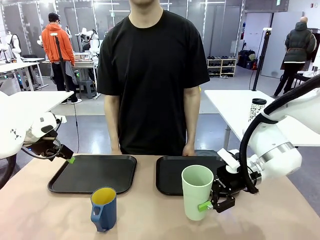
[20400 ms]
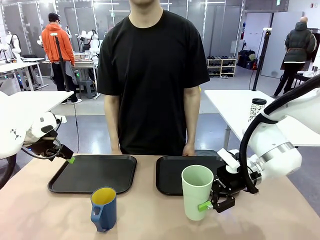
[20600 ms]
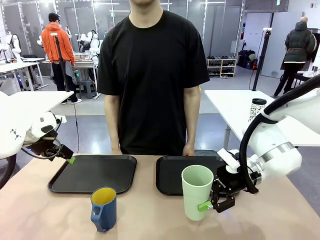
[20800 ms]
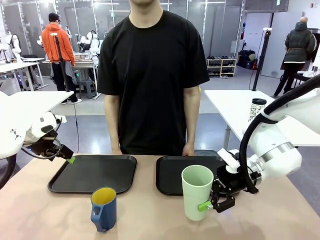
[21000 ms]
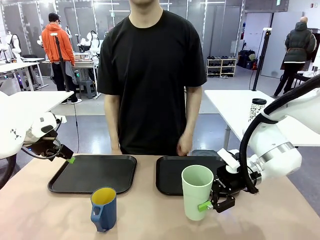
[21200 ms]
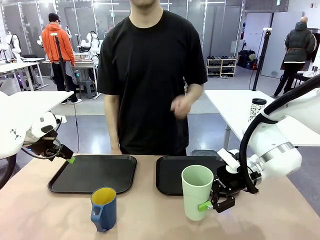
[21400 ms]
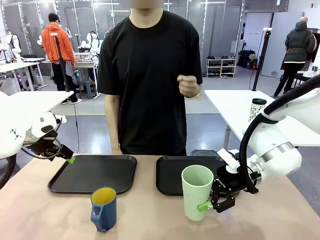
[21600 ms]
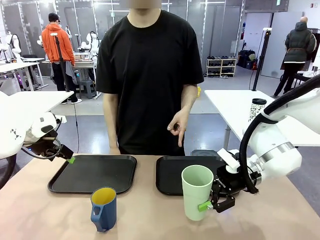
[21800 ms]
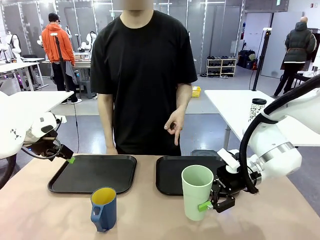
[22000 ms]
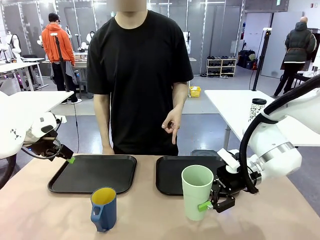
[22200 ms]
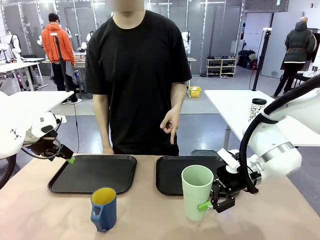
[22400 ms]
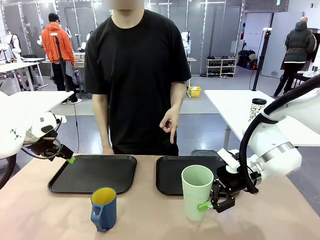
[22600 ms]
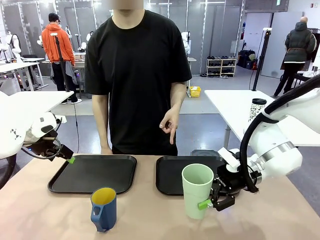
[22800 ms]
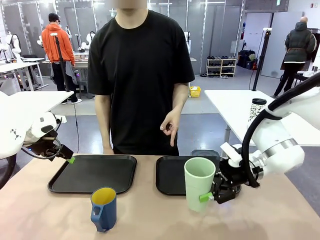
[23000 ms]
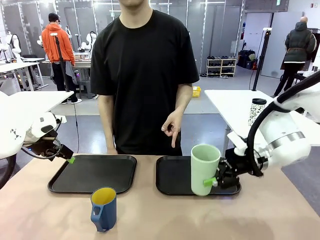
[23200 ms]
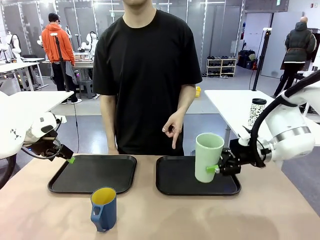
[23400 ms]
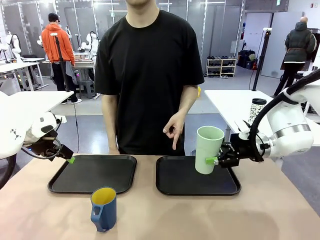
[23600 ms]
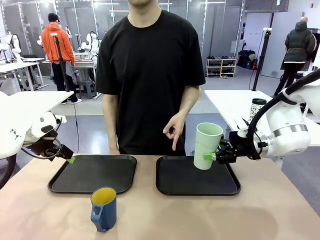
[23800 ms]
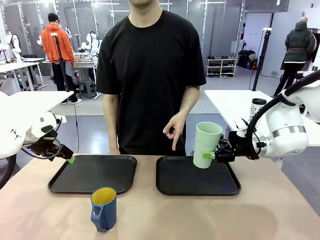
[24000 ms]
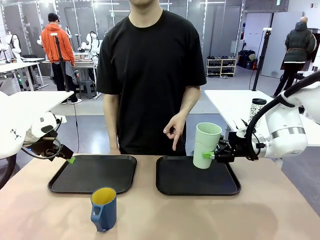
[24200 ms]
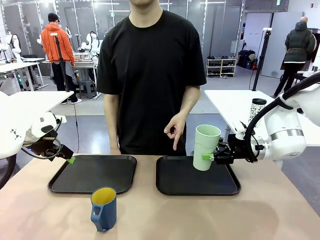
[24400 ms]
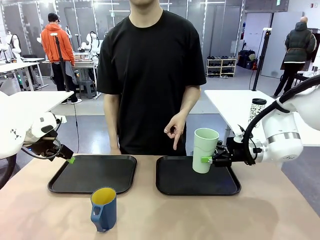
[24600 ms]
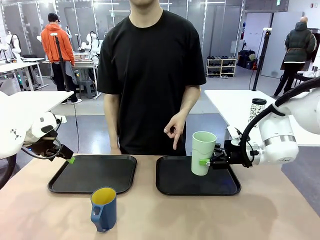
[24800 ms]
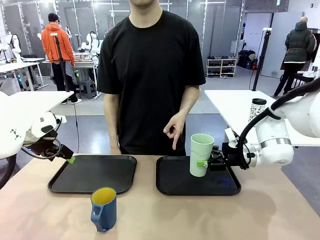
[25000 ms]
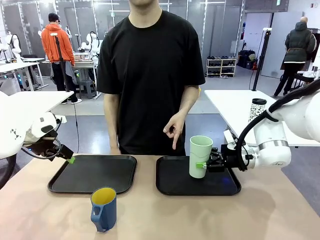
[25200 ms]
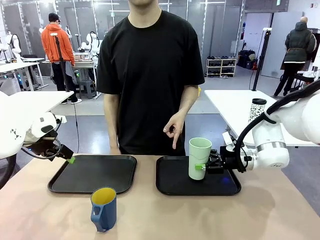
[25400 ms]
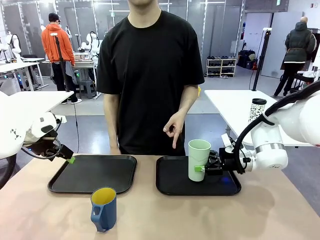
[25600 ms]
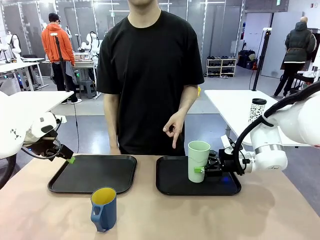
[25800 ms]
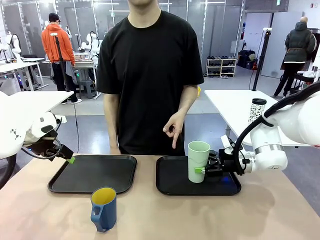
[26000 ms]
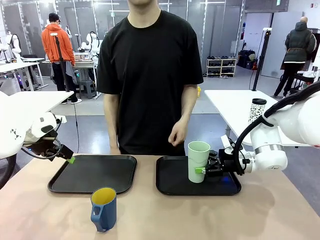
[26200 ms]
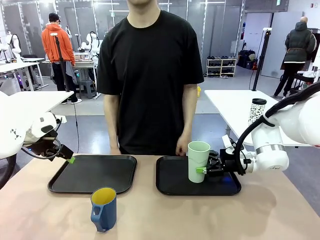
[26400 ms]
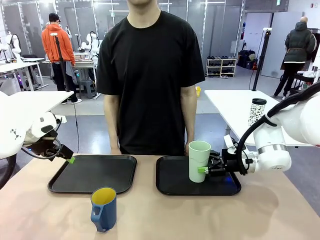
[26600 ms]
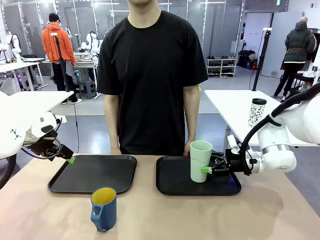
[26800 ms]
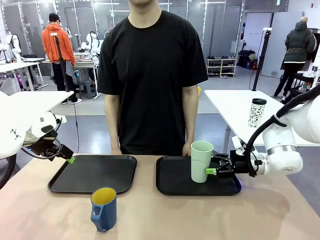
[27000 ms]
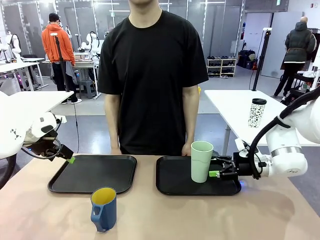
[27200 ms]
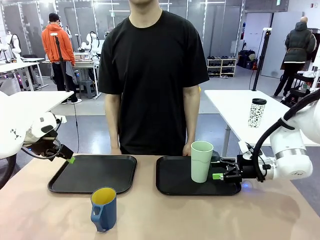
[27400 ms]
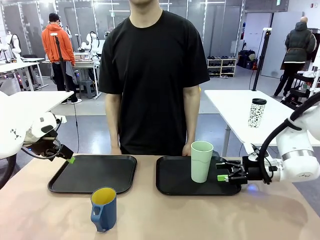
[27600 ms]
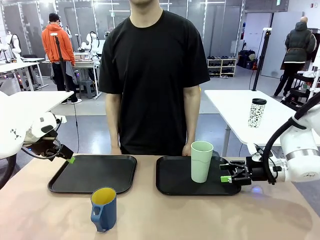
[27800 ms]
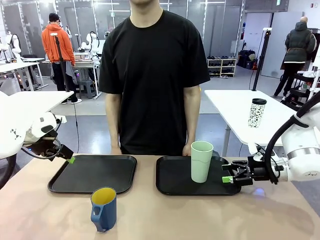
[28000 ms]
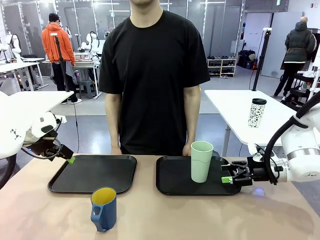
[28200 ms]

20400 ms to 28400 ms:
Task: Sort and store the cups by type.
Robot: Place the picked Reusable plastic cup into the Flat Tray indicated by the person.

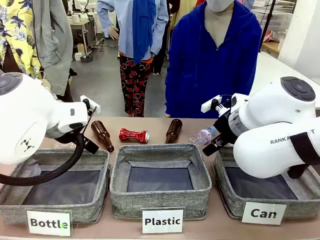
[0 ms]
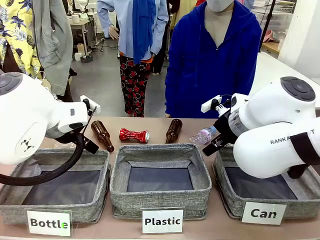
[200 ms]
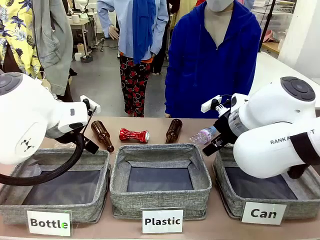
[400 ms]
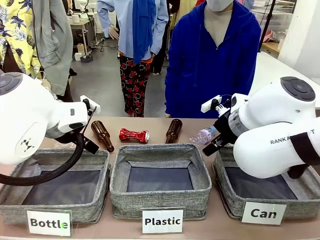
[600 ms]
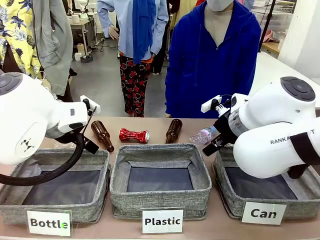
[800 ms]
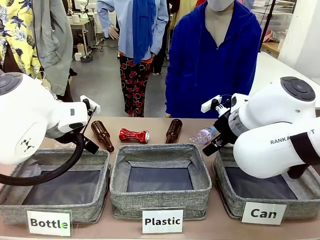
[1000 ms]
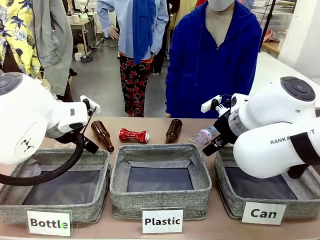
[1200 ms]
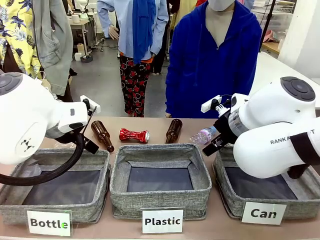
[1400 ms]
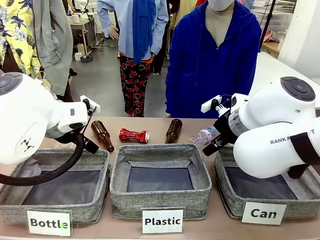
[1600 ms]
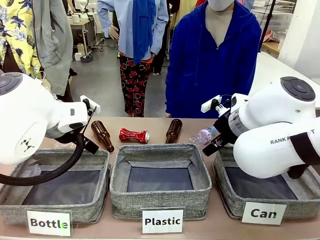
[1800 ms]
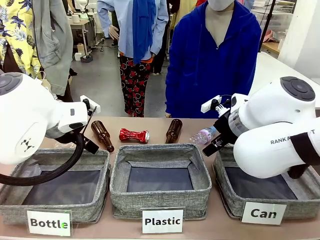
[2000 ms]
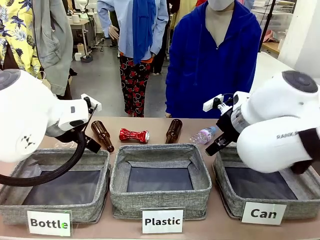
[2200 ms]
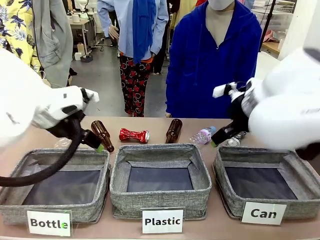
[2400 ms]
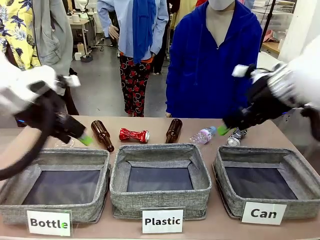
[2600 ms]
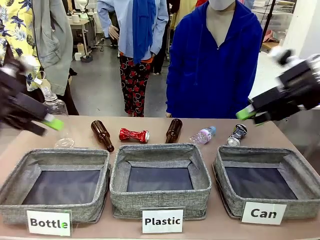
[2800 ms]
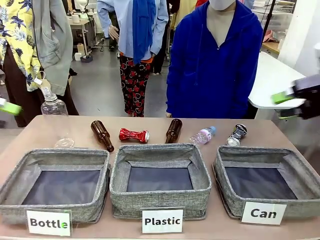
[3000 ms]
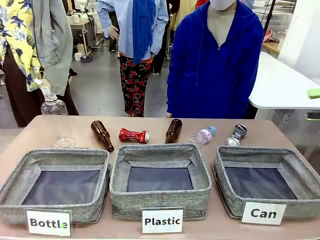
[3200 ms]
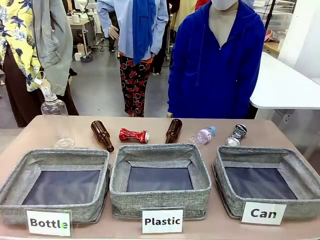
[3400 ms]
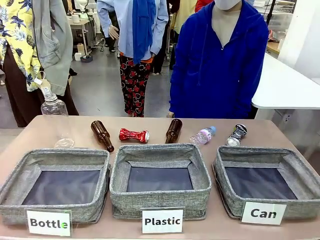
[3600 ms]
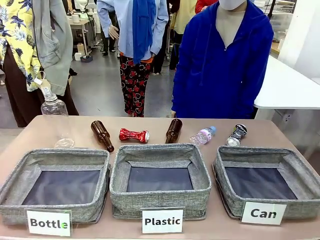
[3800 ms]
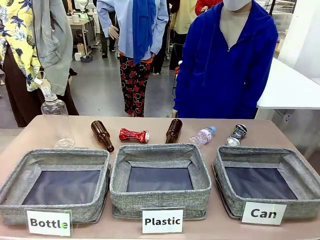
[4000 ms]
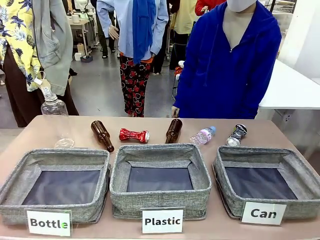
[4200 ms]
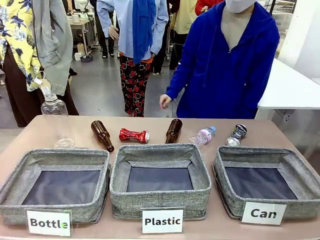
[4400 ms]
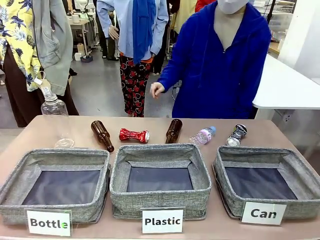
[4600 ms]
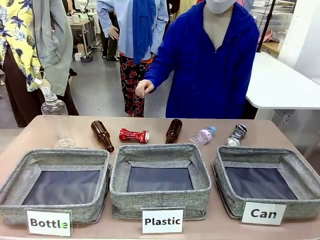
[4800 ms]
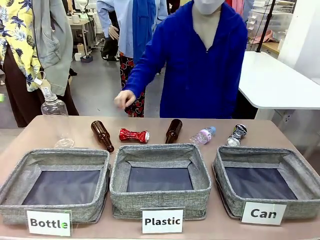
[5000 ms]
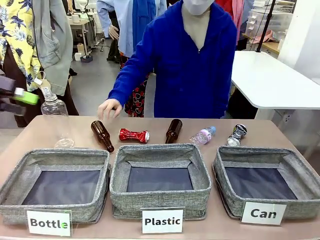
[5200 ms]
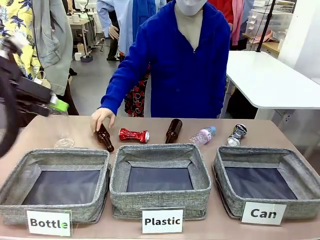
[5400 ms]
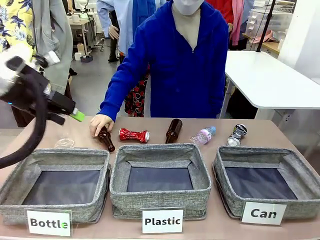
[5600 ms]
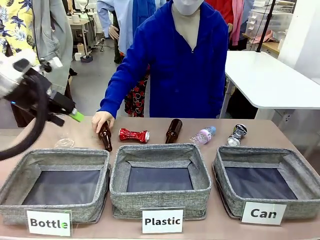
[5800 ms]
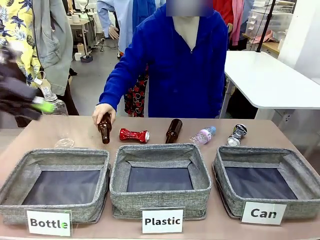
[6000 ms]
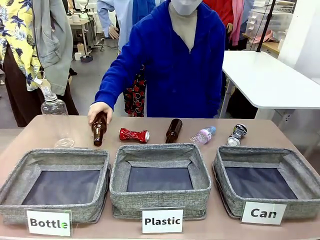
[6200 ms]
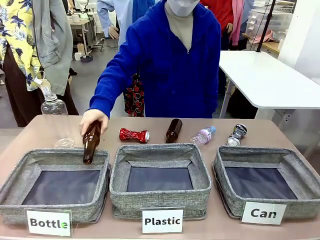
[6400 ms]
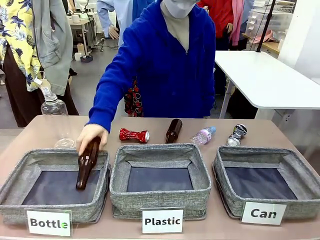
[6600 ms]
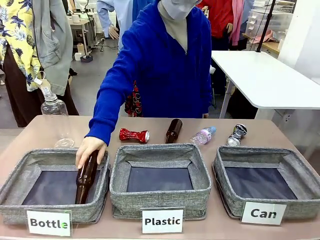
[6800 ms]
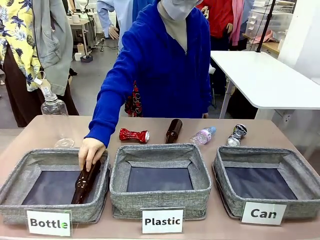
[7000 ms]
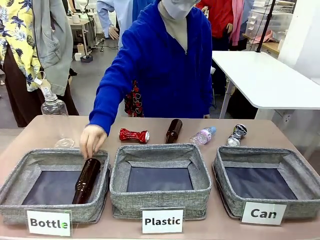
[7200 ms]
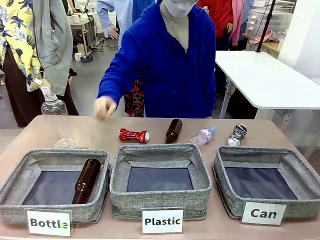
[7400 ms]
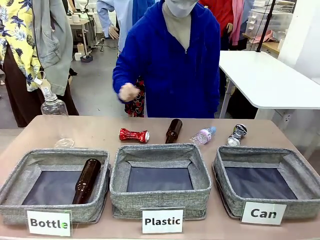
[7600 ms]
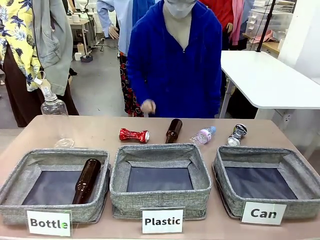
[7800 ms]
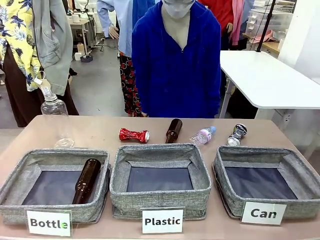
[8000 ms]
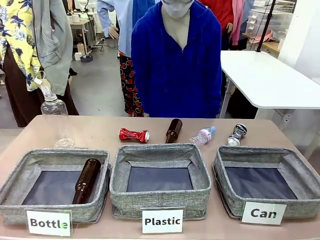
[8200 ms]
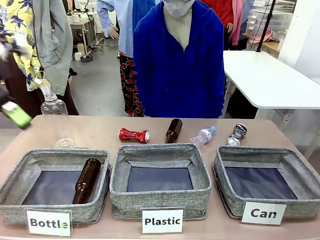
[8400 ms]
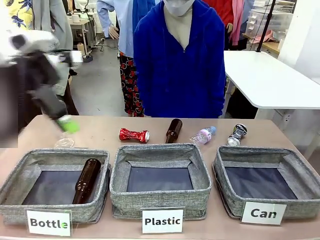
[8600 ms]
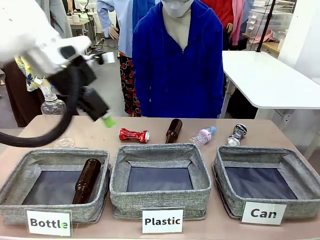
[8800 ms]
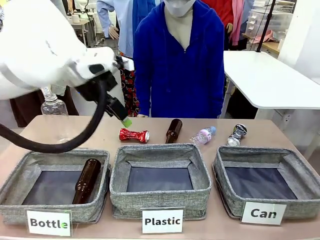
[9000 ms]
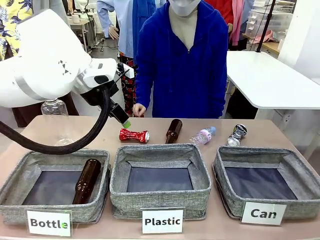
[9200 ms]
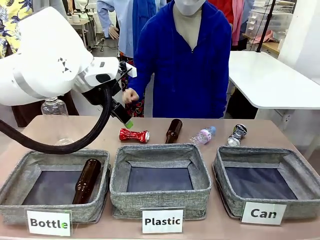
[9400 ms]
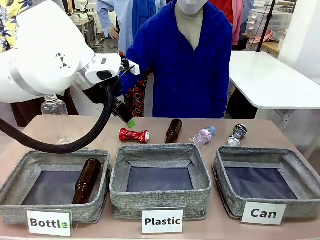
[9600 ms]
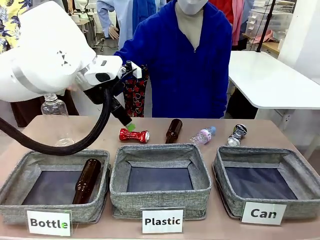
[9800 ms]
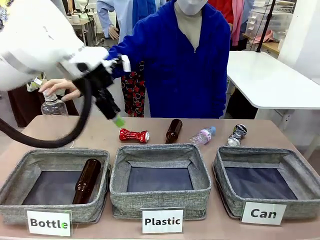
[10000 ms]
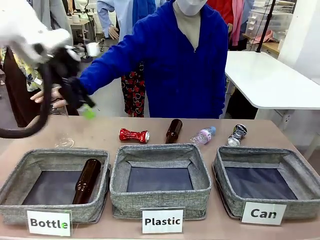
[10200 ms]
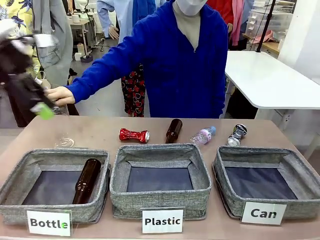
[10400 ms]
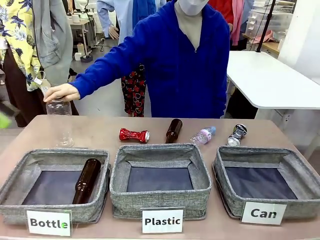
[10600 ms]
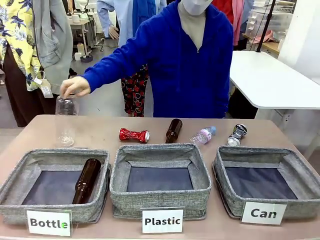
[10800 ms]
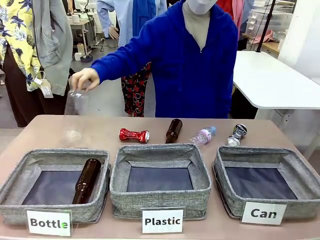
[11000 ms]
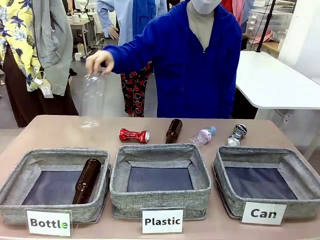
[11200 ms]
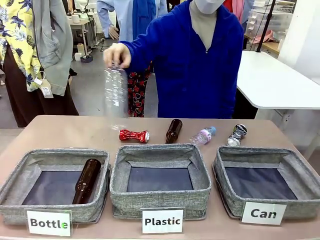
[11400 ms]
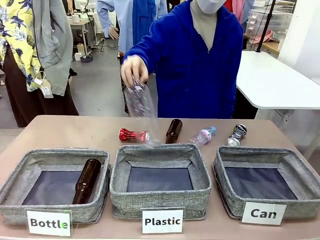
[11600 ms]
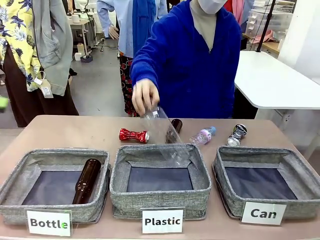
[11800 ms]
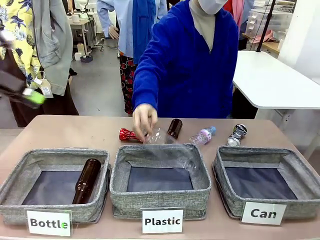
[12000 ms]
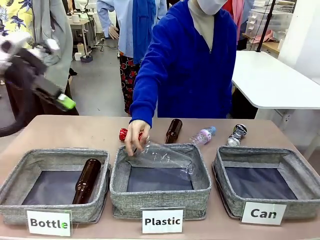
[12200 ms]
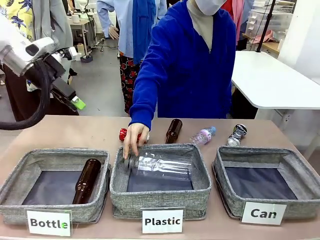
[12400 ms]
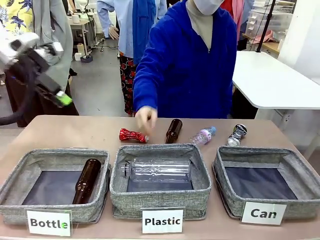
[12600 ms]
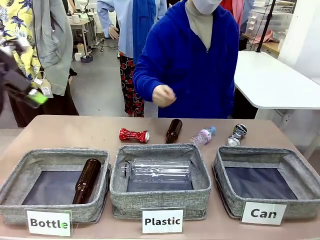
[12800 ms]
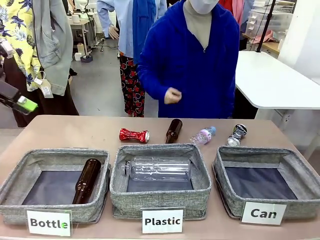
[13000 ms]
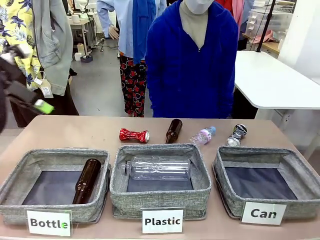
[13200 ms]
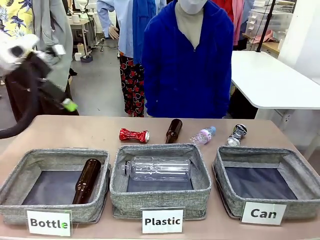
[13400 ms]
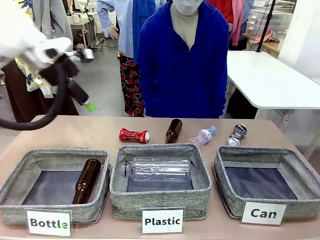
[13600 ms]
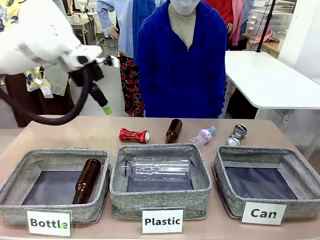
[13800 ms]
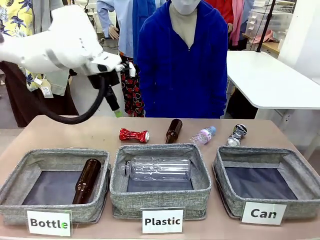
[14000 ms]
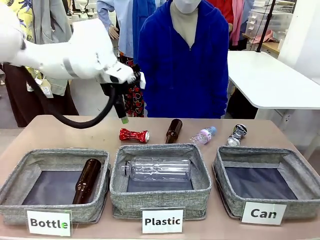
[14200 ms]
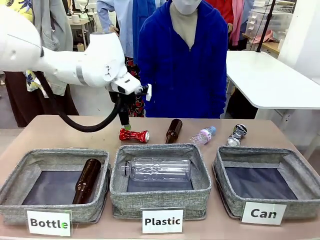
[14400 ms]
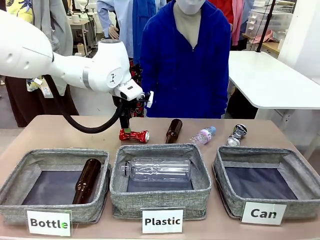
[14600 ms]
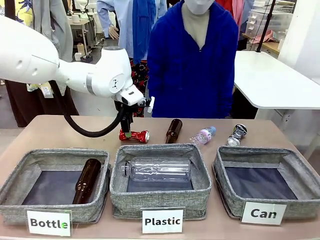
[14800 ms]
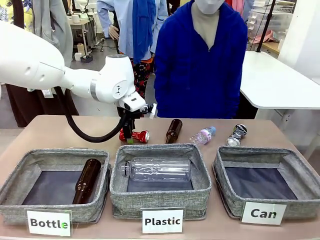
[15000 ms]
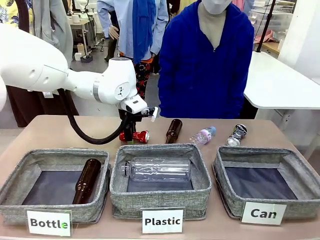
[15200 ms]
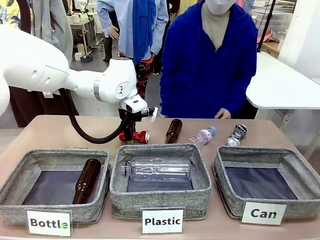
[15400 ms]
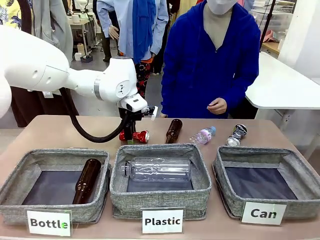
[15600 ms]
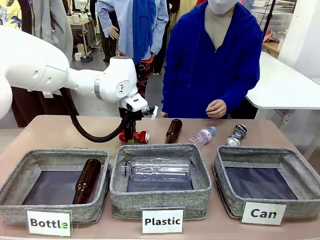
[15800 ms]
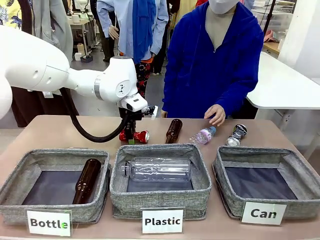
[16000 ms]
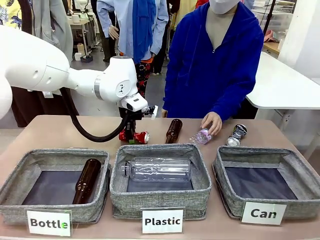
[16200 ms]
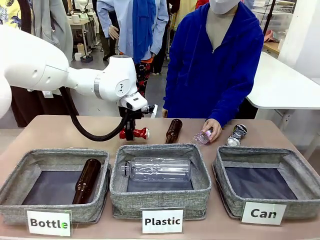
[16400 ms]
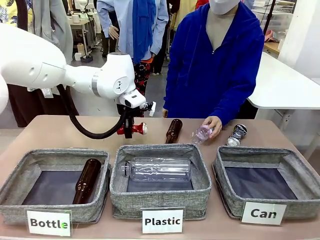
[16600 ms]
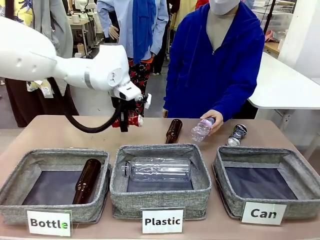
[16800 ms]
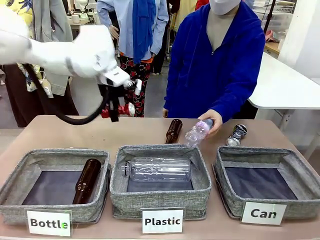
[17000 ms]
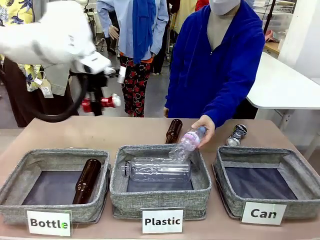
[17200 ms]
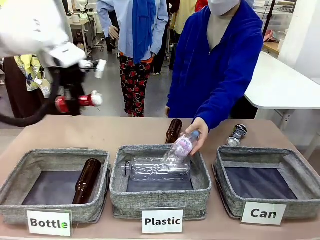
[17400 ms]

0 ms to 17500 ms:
Task: Sort the can waste into the basket.
Robot: Pick up the can waste from the table and place it in the right Fabric basket.
